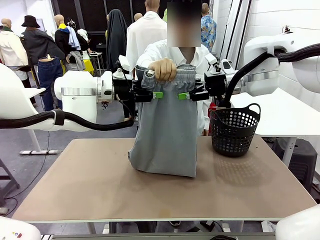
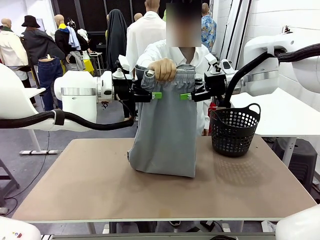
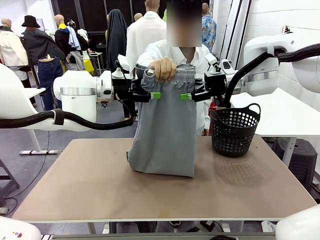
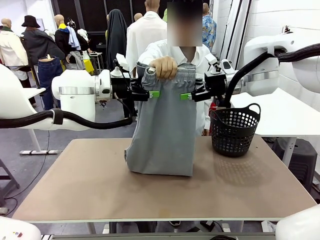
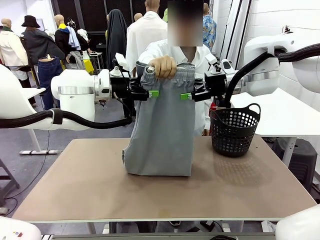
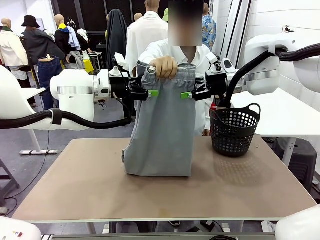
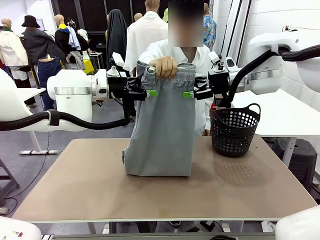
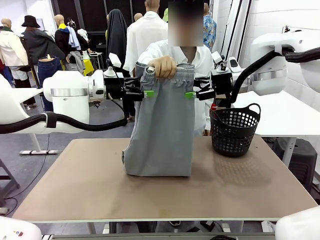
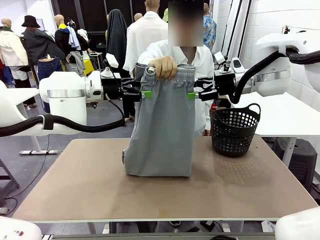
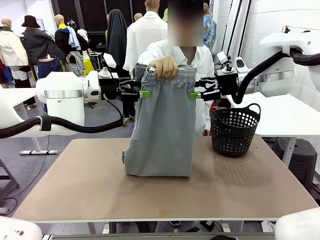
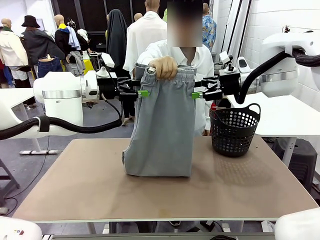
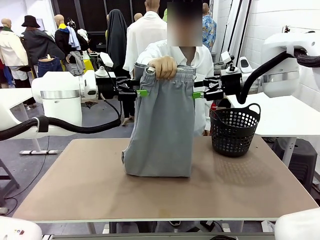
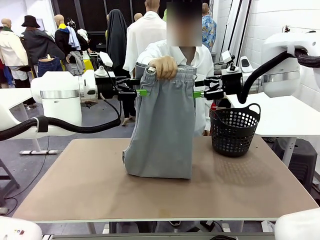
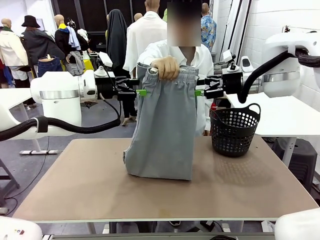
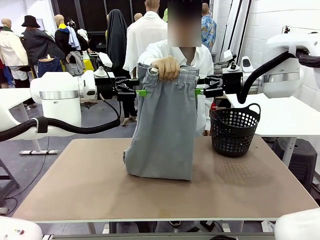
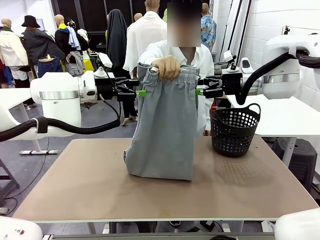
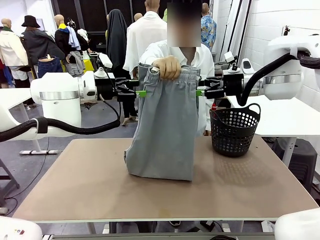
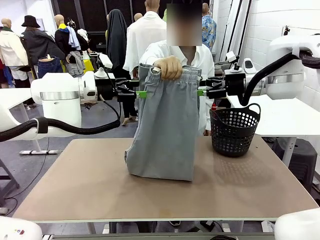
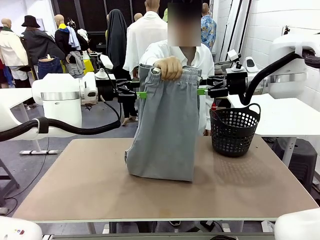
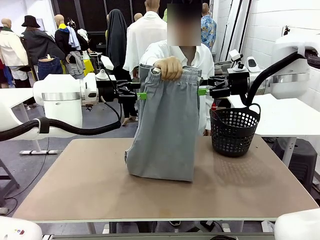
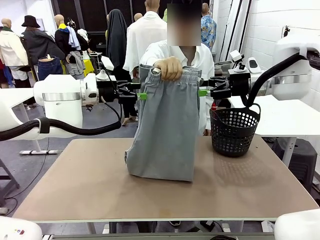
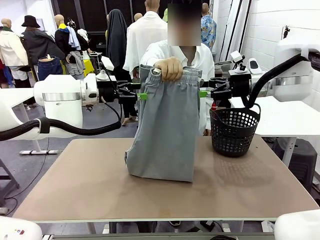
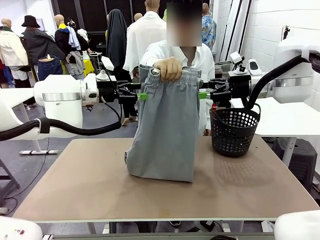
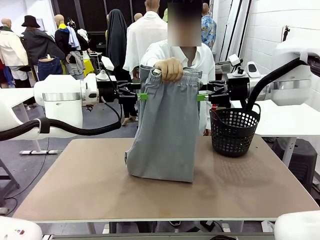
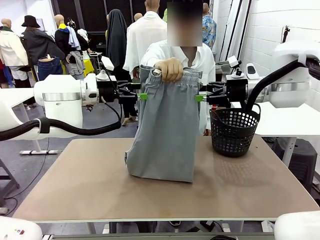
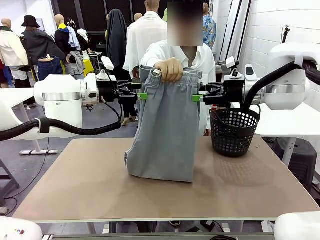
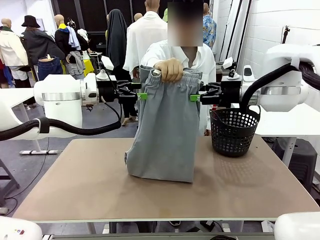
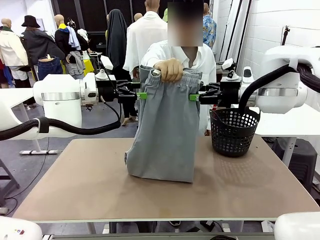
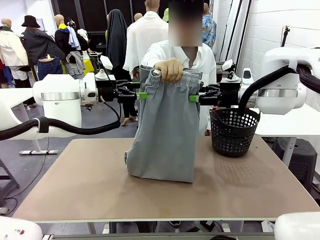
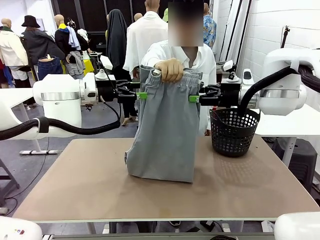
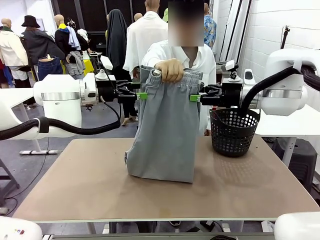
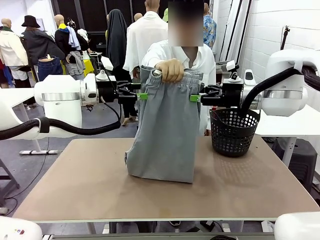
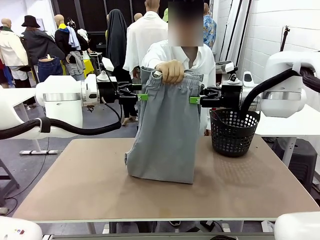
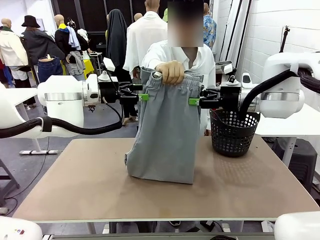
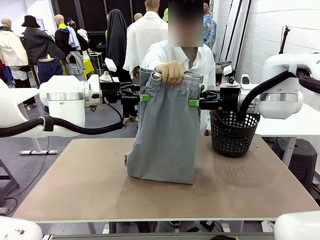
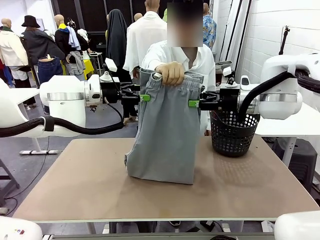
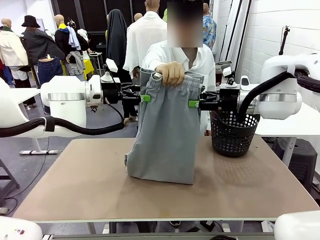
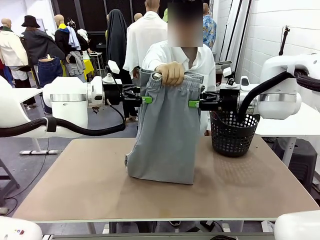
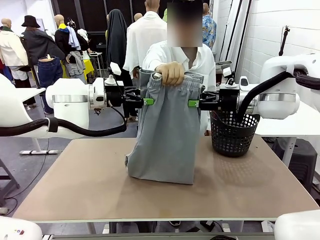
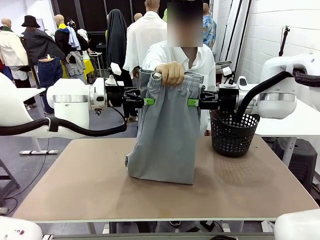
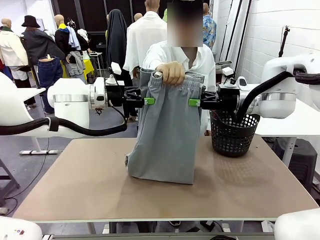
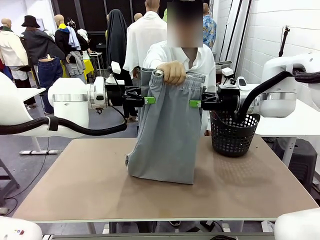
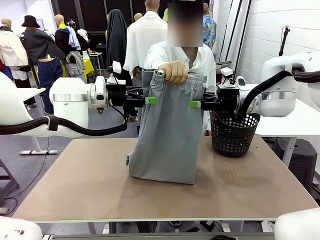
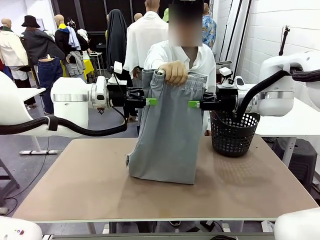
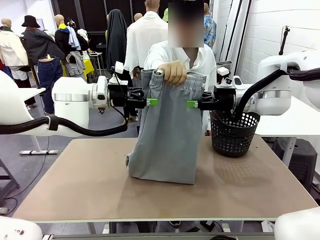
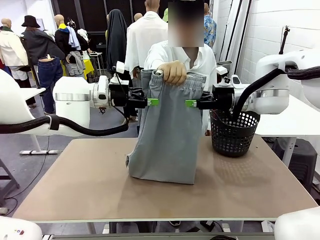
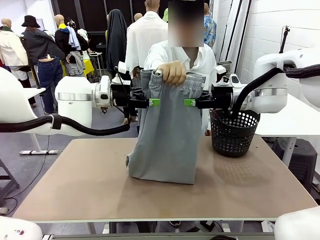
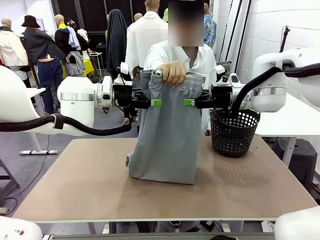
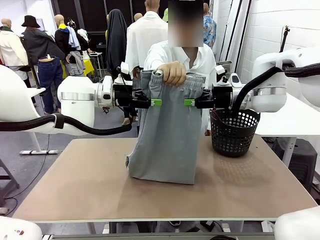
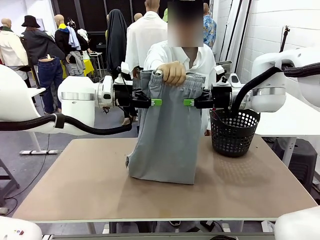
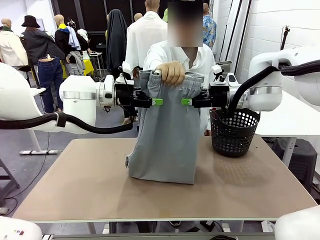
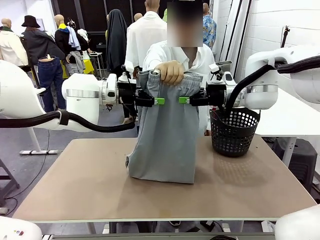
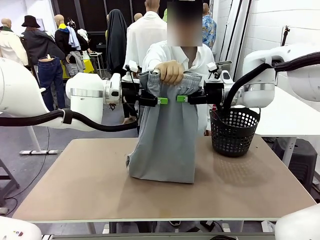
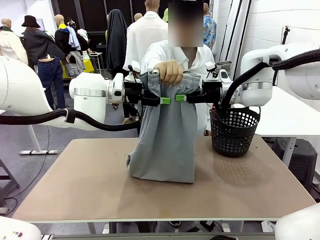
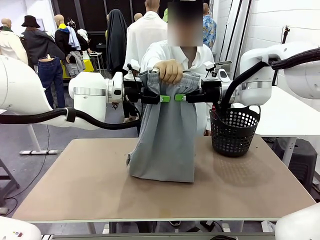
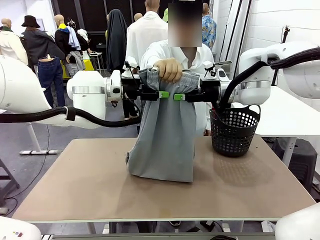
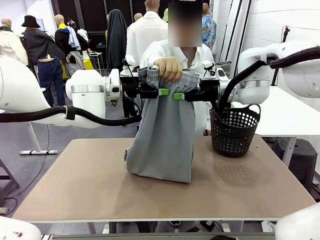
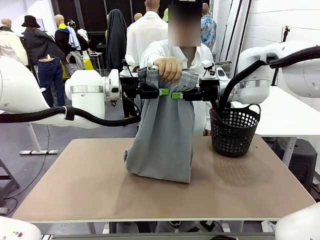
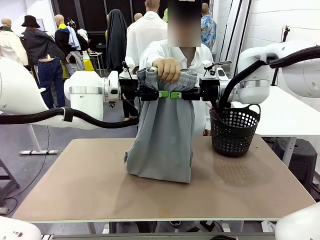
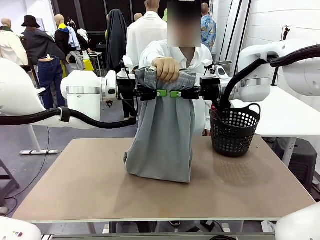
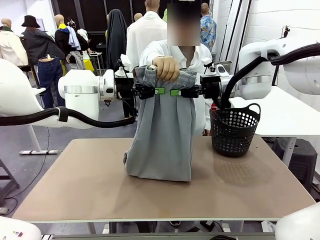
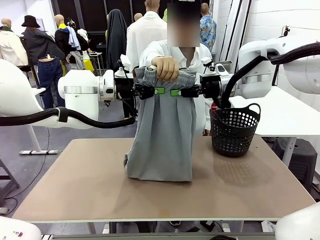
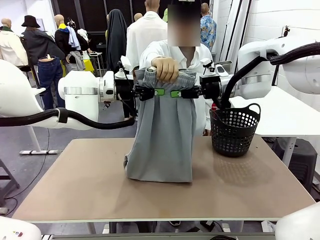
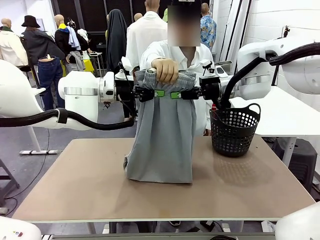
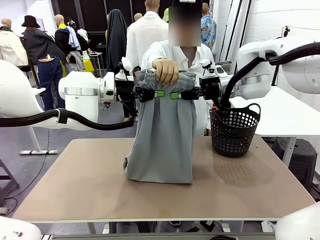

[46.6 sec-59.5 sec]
Task: Fold the training pants.
Robot: Release the ends of the Training pants and then grab the overlapped ends.
Person: Release the pants you were holding.

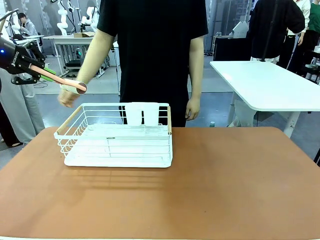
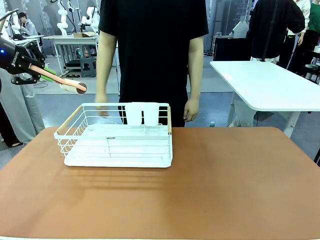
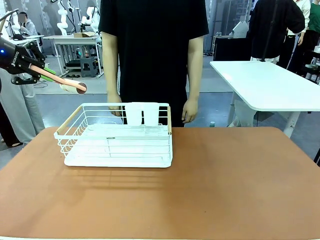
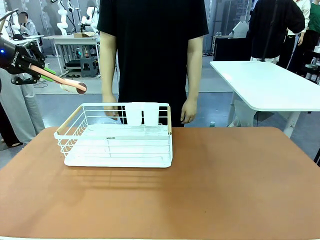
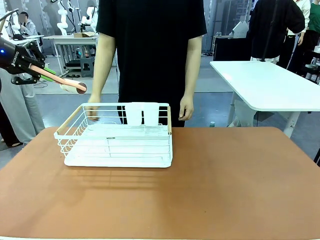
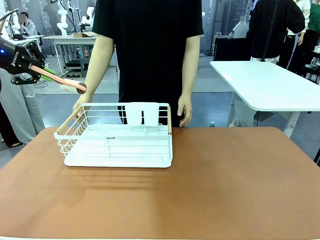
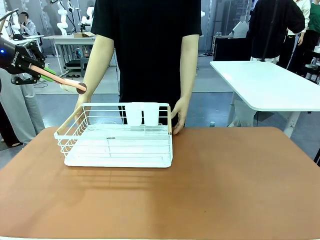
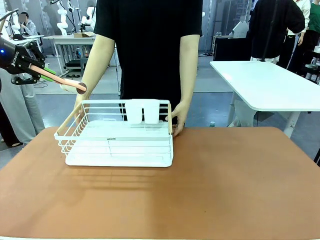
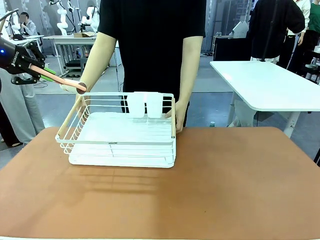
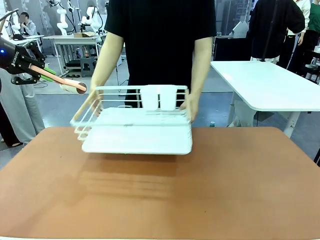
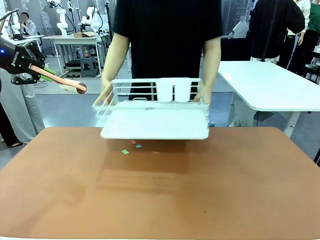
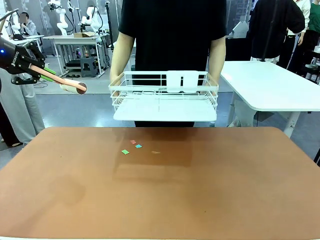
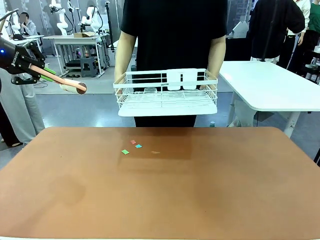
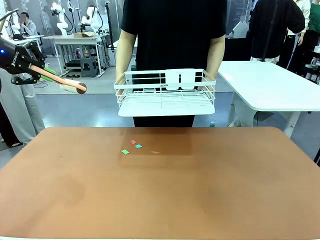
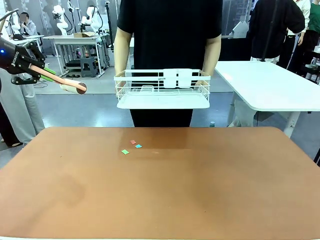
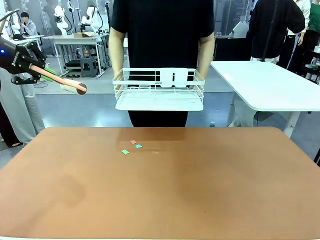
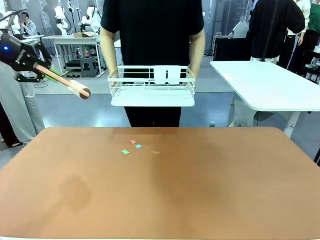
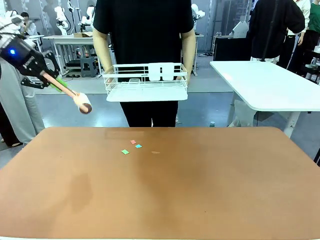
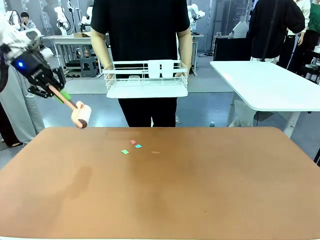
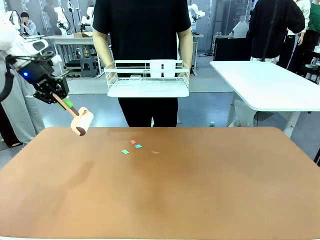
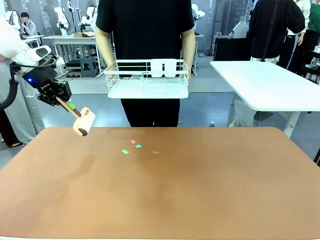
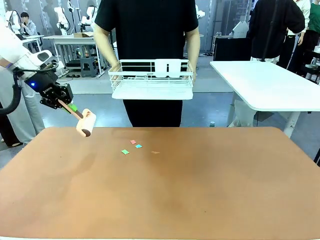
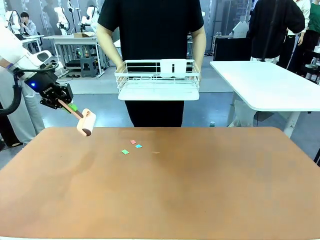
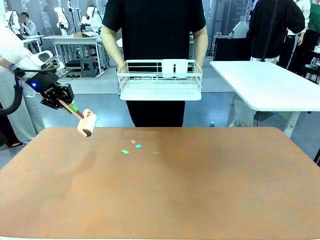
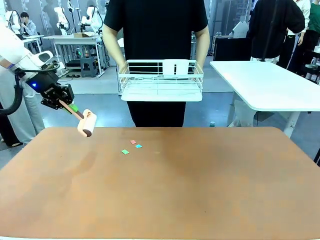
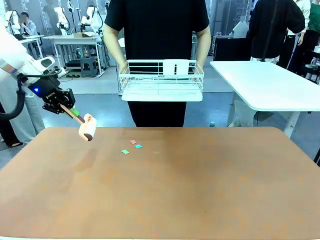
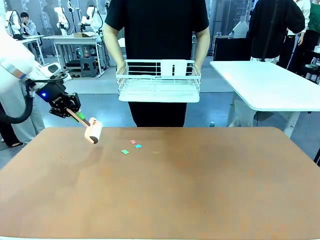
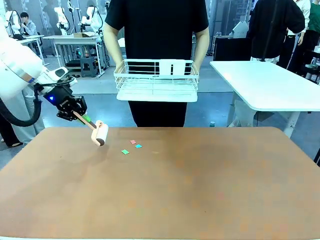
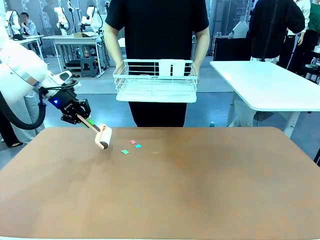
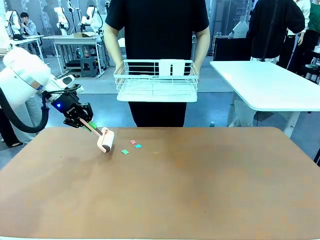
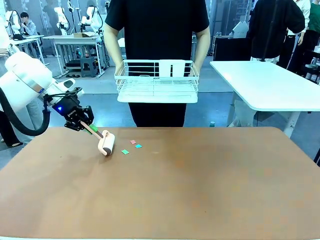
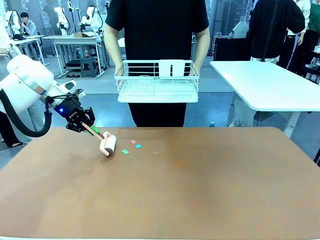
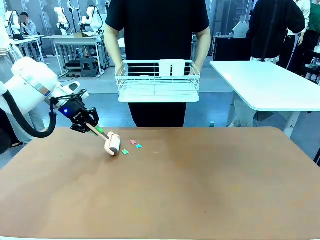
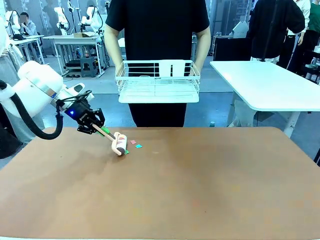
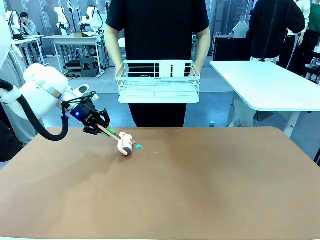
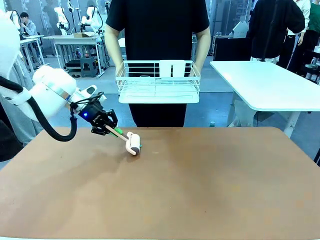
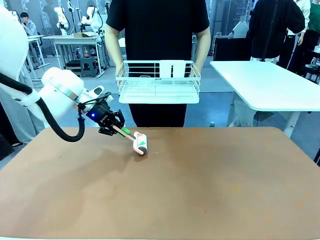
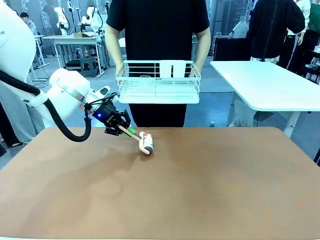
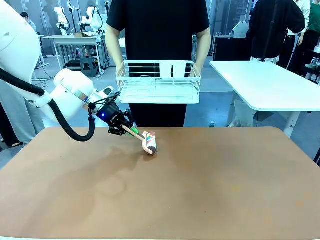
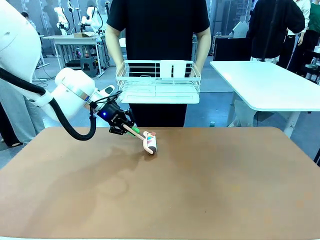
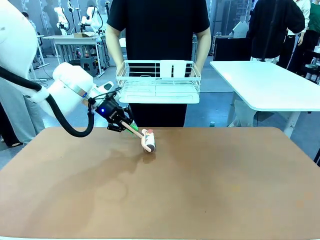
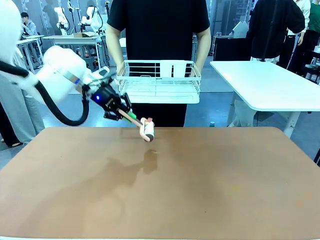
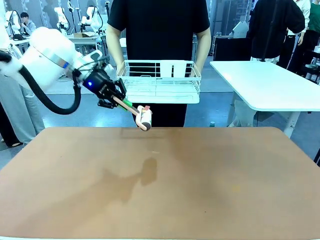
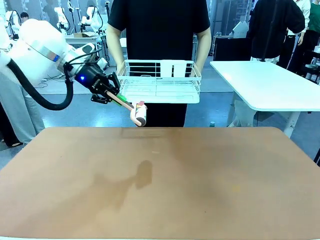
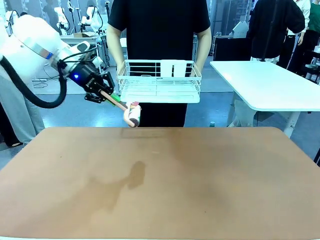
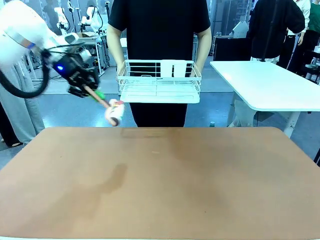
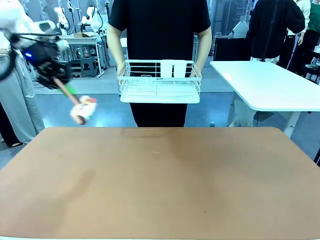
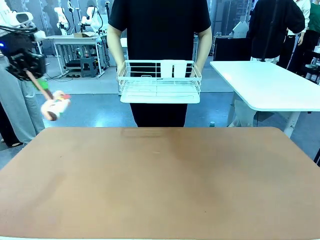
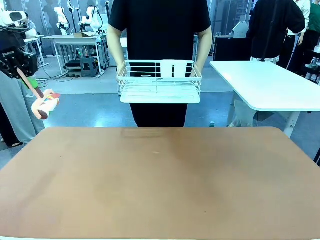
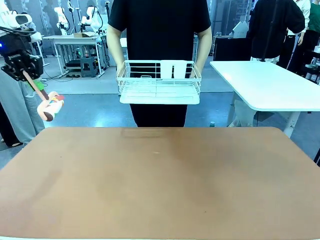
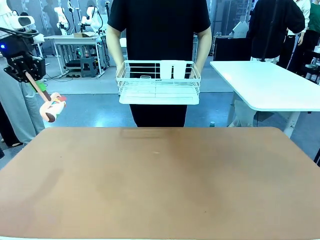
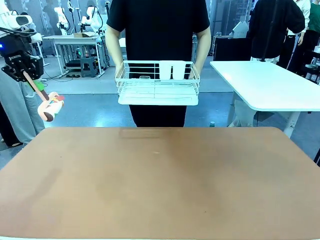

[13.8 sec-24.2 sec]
Task: Clean the table.
Robot: Clean the table with the Lint Roller when the human lifts the Dish drying rack.
